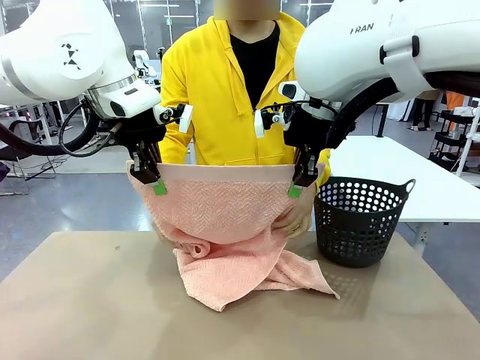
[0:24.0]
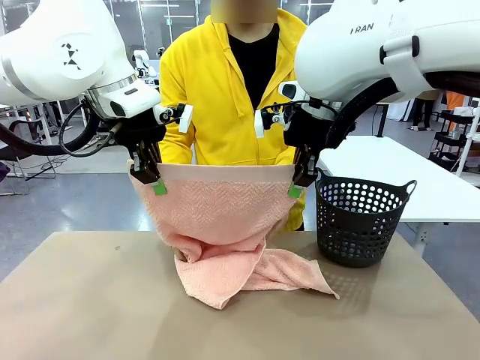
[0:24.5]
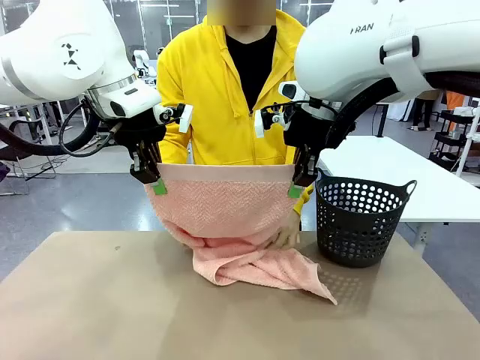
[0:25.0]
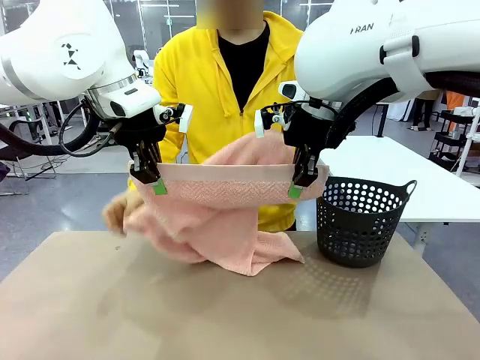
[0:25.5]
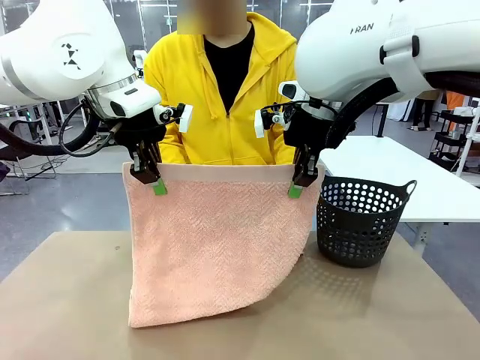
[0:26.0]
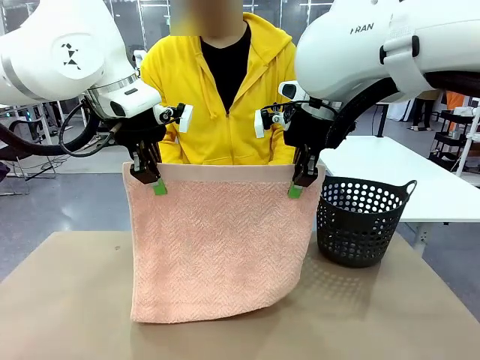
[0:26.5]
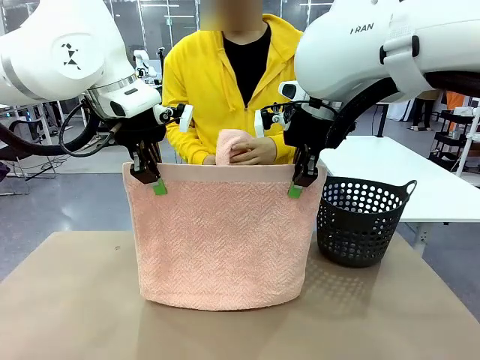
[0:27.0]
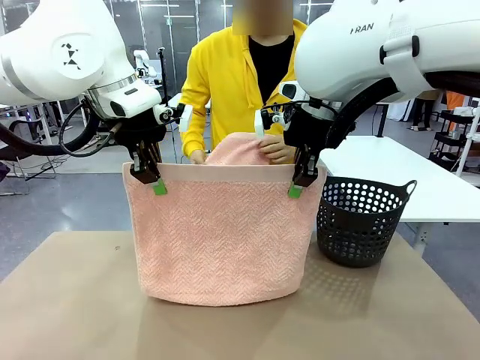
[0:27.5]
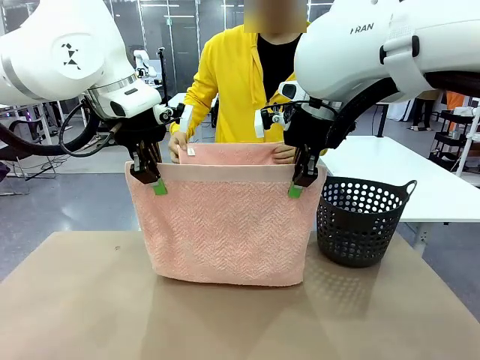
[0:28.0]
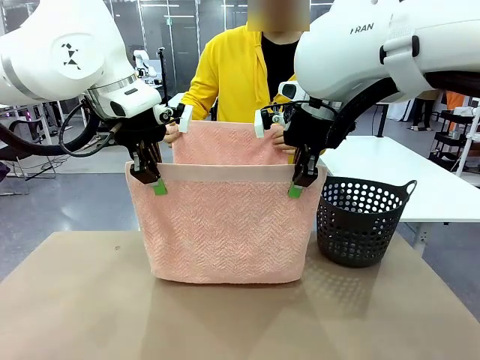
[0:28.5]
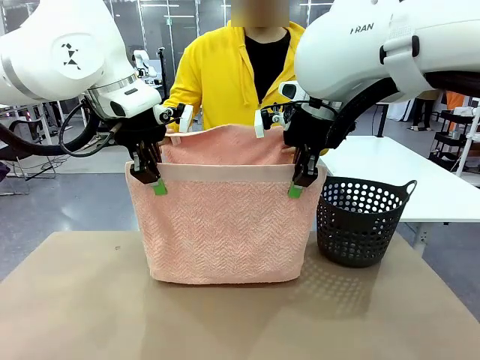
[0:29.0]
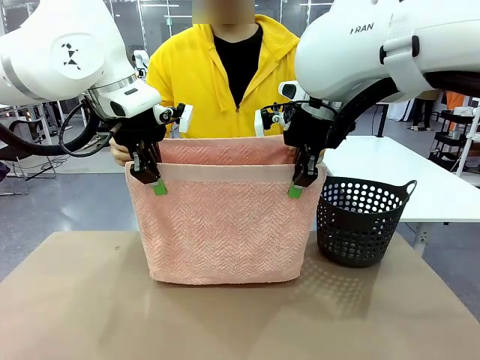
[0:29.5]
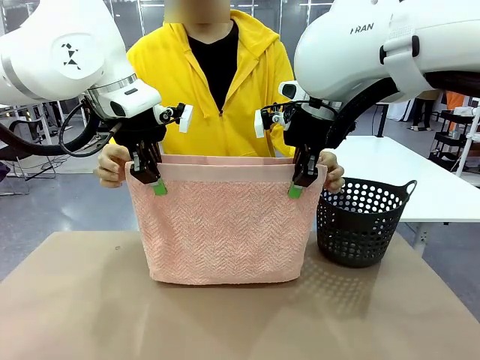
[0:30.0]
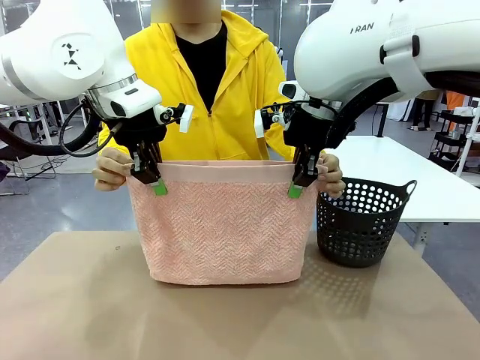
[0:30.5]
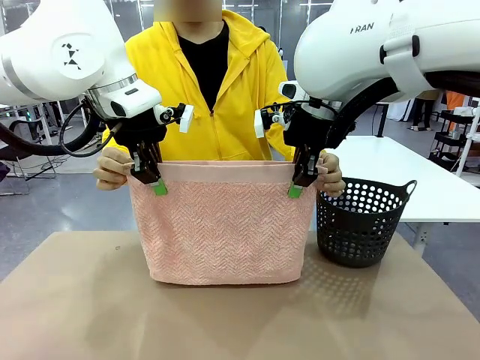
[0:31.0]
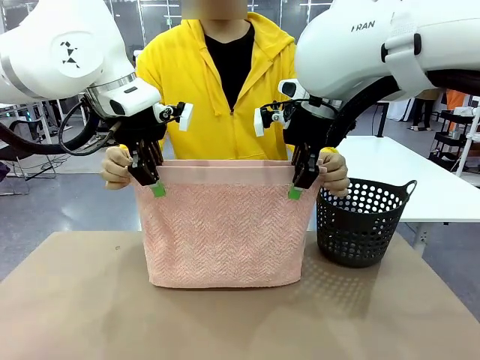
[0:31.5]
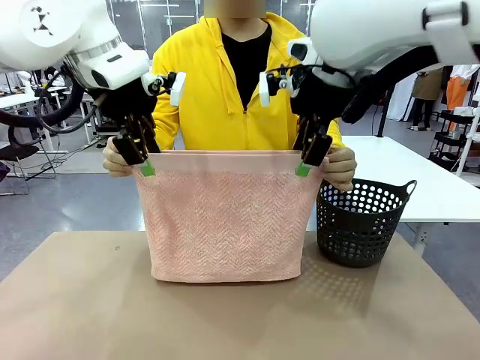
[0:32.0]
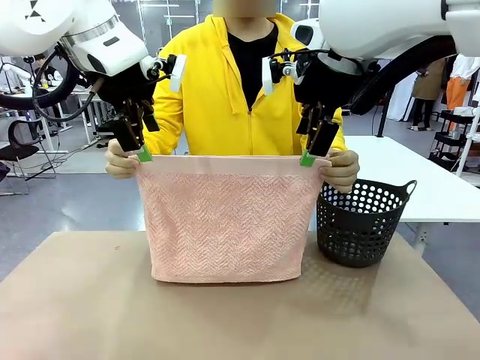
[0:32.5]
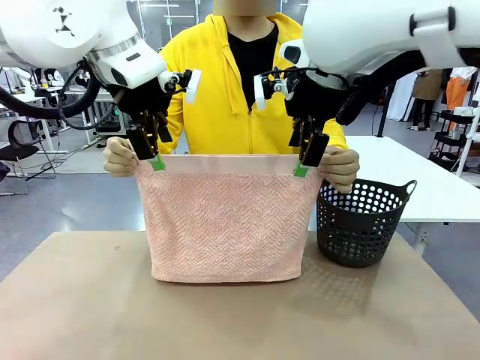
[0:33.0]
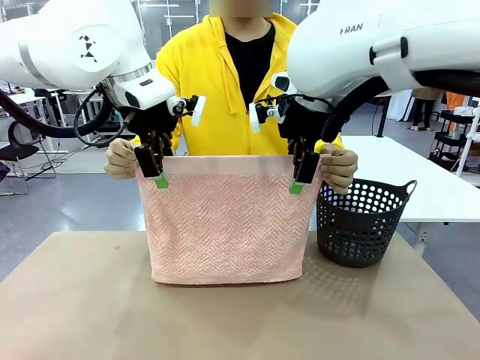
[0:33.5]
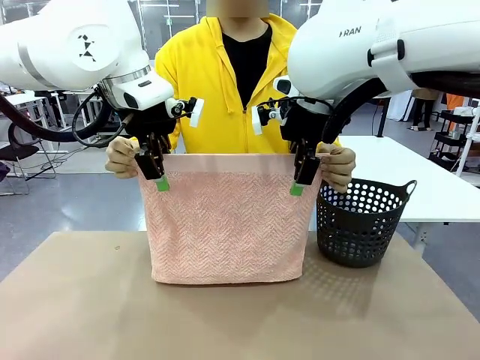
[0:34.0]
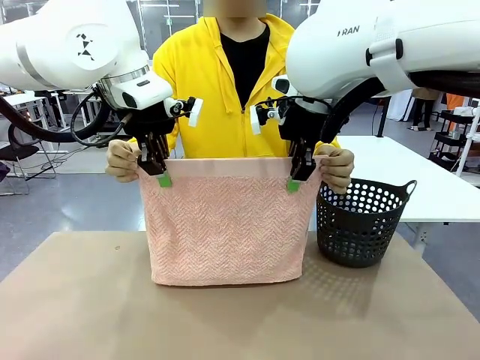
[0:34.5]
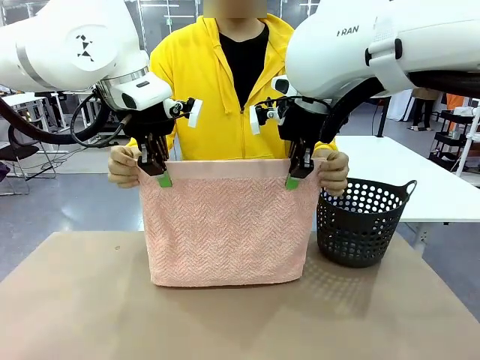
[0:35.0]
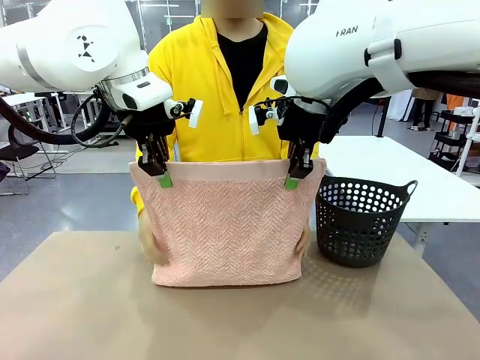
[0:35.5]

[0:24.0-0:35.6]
Task: Fold the towel.
Robot: Release the end of the 100 cm Hotel Towel you were holding and grab the top end of the folded side.
Person: Using the point held by the robot as a reference, grasp the opposite end, fold the towel in half, and then hold both ends of the folded towel.

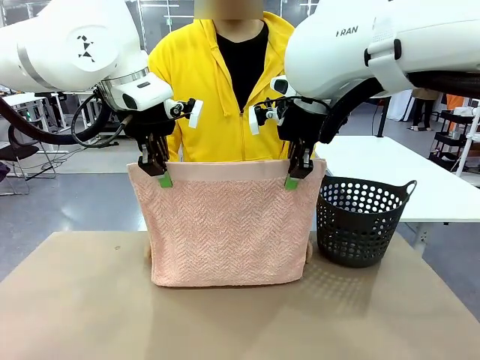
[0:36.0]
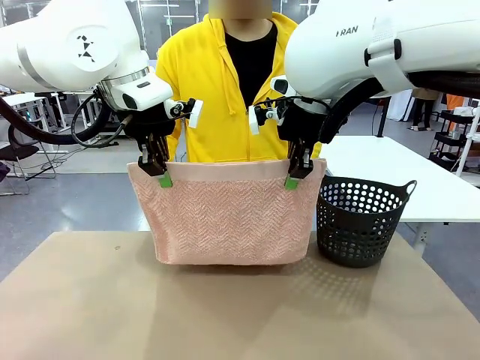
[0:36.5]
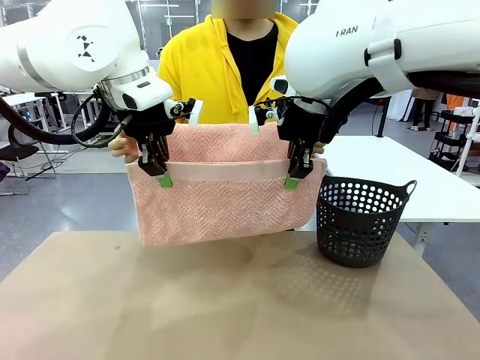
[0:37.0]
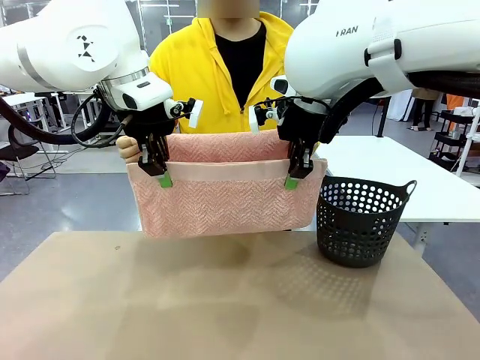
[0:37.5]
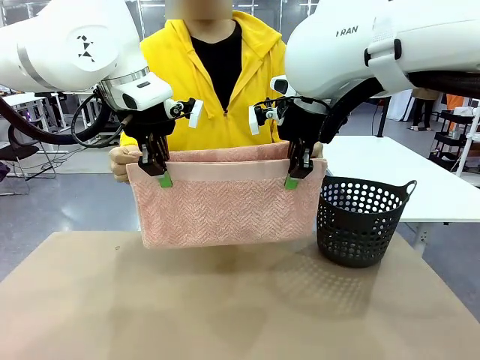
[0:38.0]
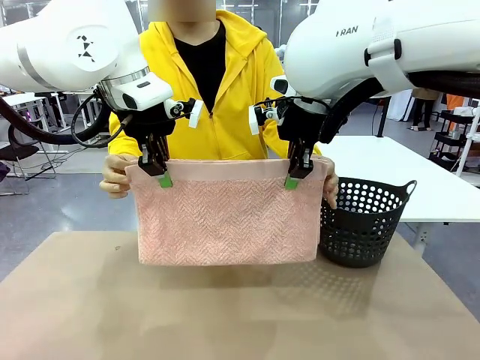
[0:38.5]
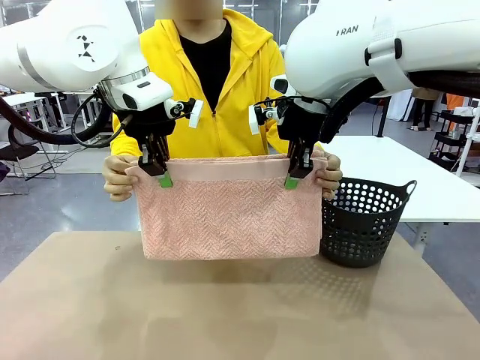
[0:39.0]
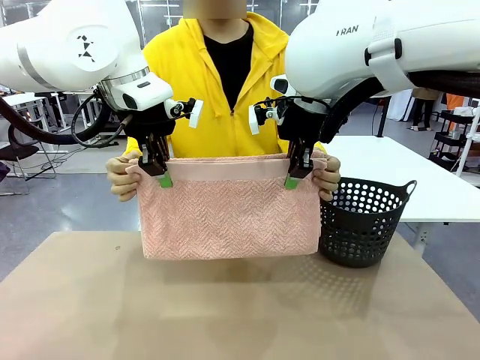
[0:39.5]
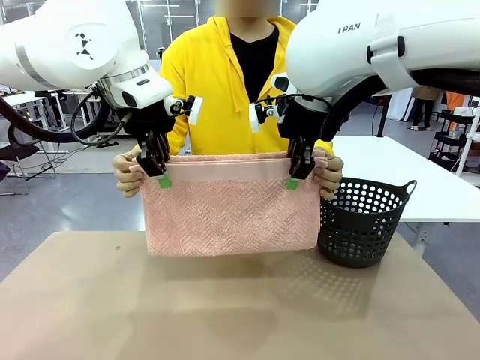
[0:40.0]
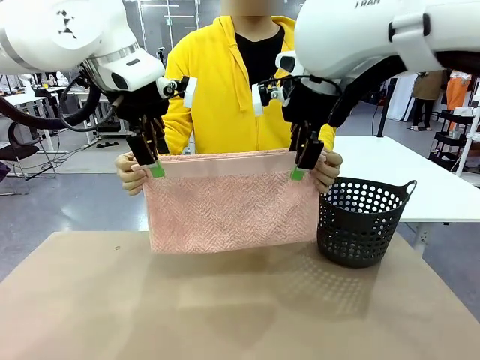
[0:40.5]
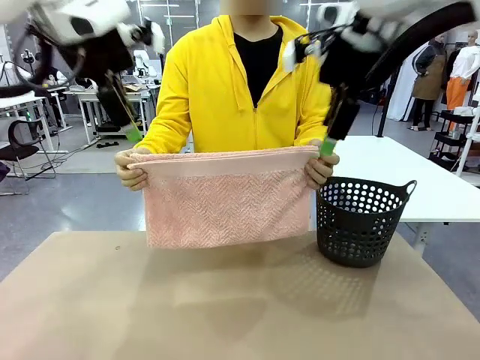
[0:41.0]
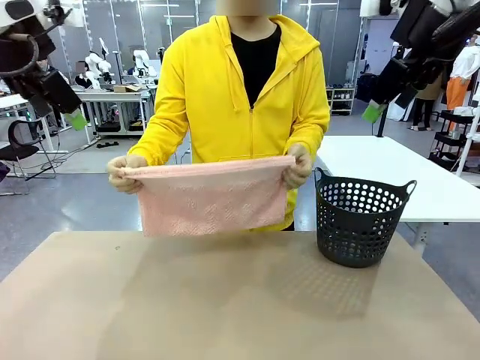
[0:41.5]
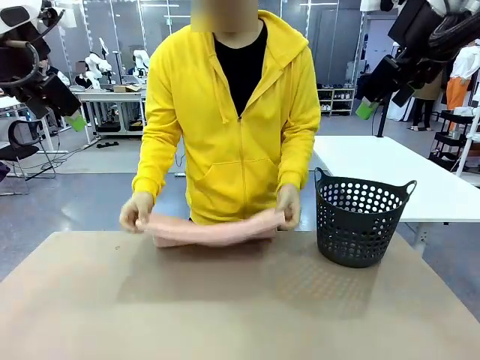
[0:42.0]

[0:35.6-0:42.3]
Robot: Release the end of the 100 cm Hotel Towel you were holding.
Person: Place the towel at the center of the robot table and fold it in half.

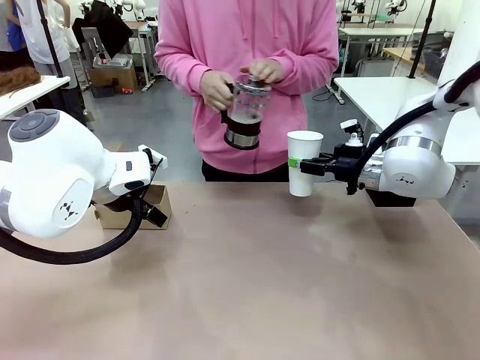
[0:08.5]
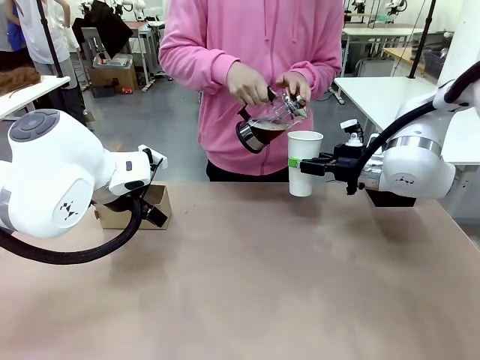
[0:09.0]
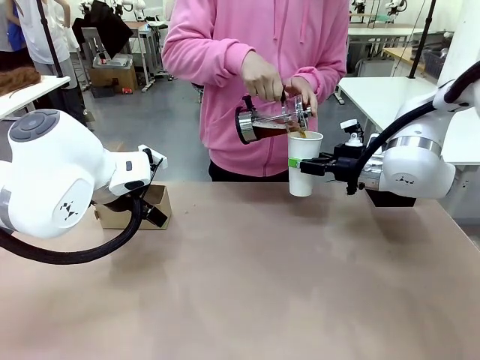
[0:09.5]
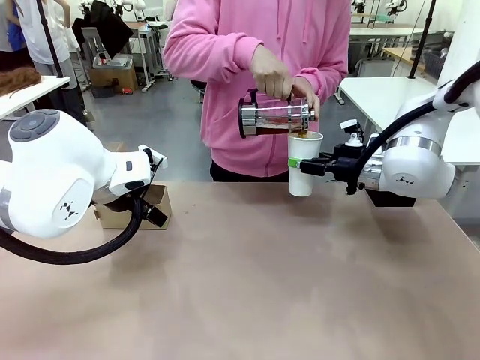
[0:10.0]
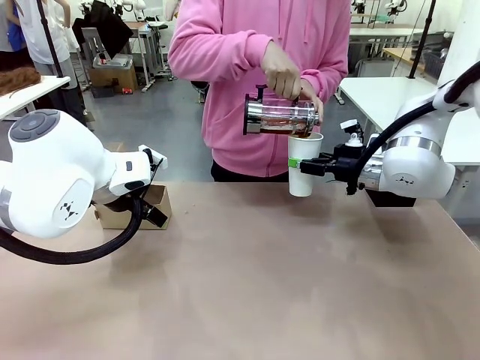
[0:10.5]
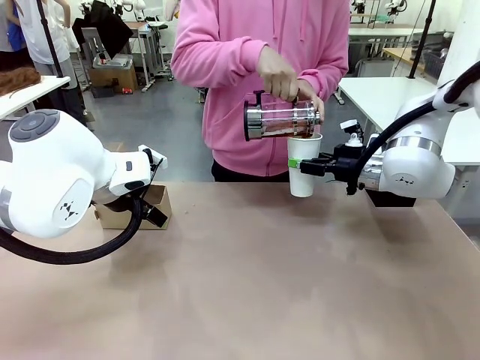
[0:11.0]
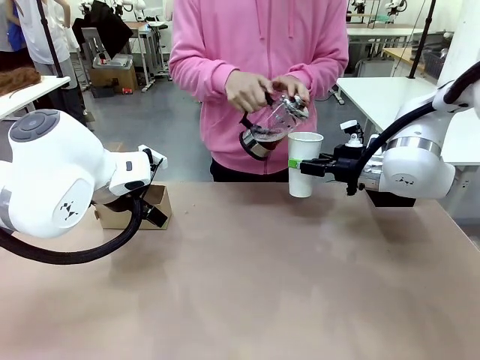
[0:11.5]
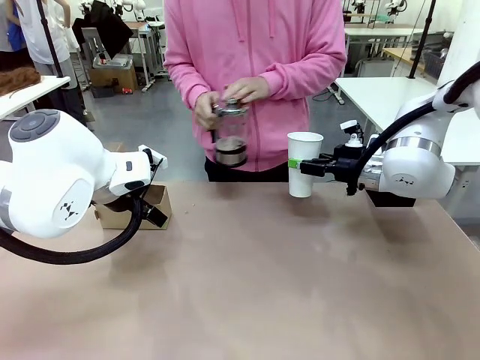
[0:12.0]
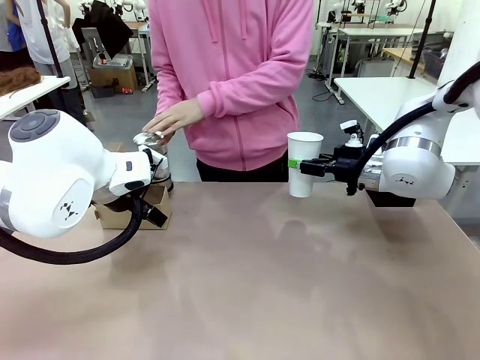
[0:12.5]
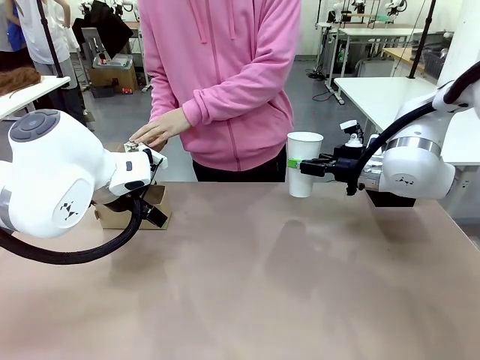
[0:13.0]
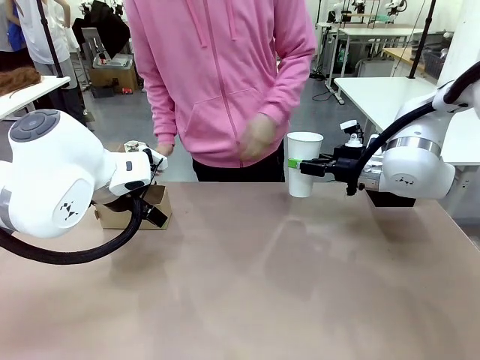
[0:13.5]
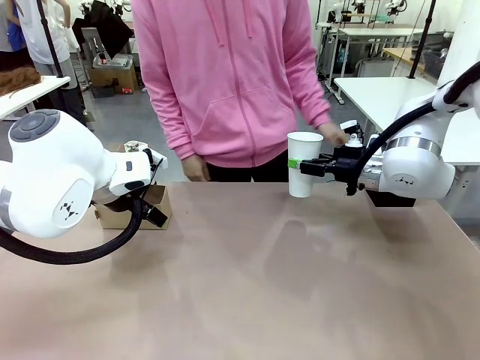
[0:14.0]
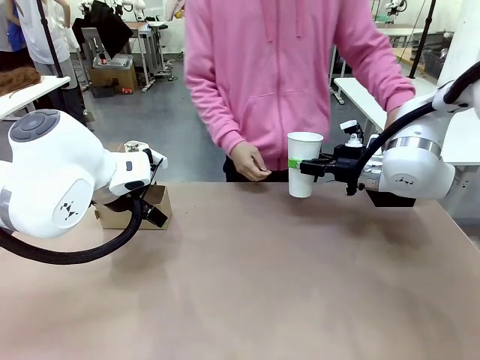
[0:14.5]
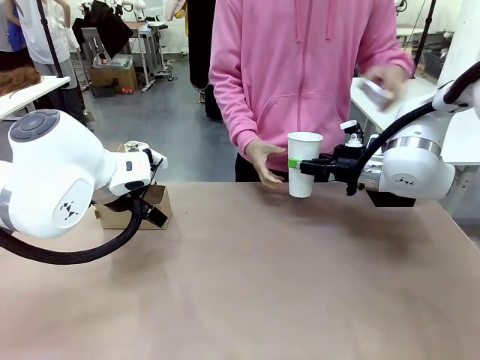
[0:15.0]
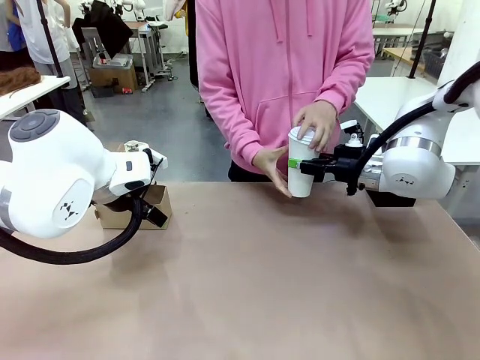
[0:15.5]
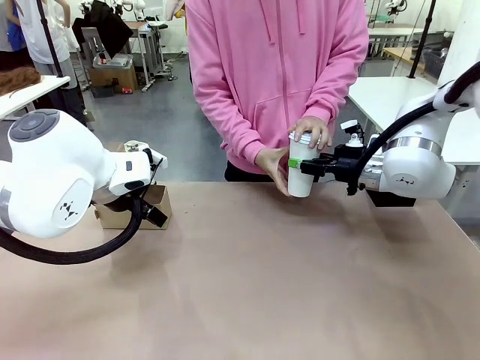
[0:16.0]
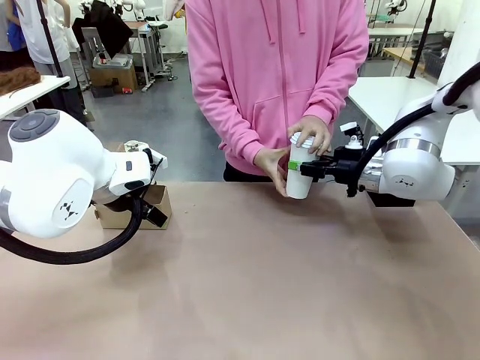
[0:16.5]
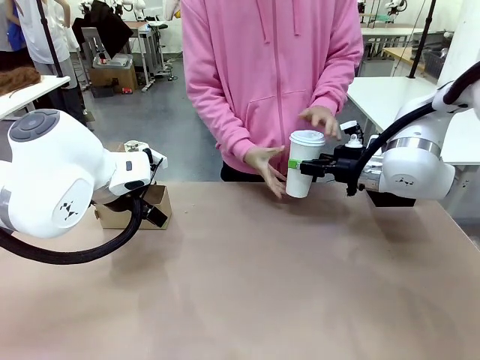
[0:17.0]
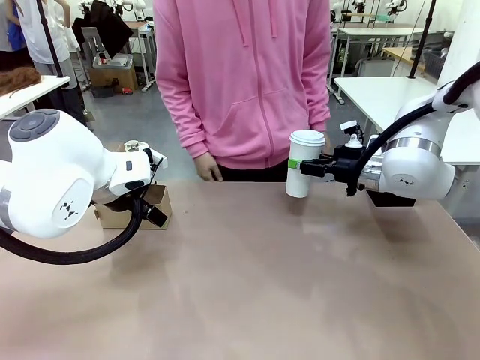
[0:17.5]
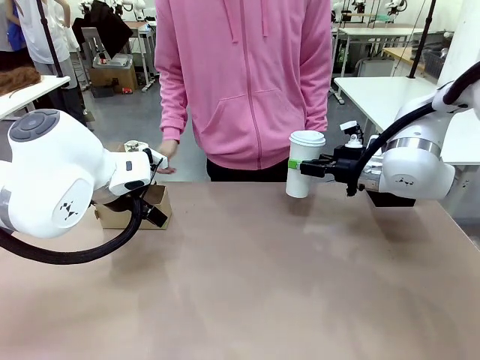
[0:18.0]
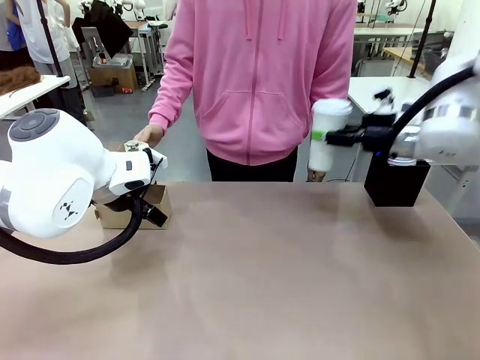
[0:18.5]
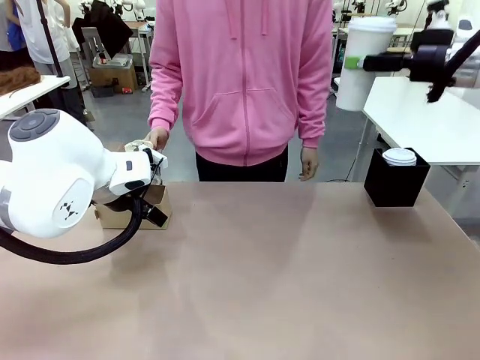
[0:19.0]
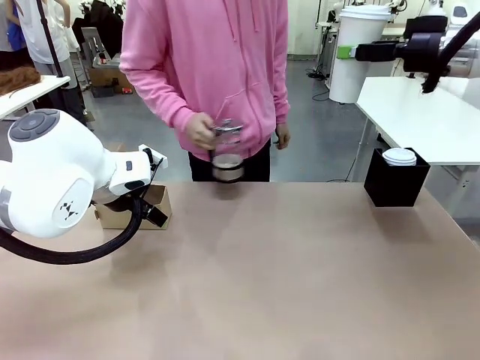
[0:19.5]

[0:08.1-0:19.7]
Task: Pour a drink into a cup and package it in a carrier.
Robot: When a person places the Paper Cup Lid on the 600 ml Paper Cup , lift the 600 ml Paper Cup.
Person: Pour the drink from the Filter Brewing into the 600 ml Paper Cup. Place a Paper Cup Lid on the 600 ml Paper Cup.
